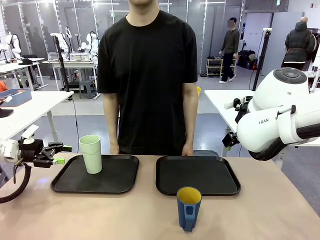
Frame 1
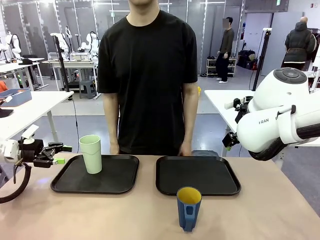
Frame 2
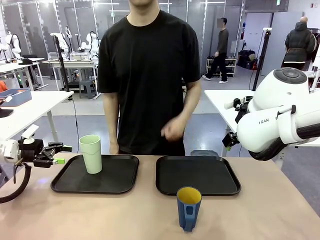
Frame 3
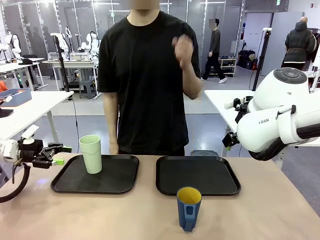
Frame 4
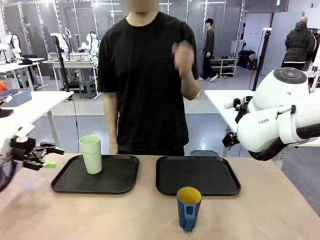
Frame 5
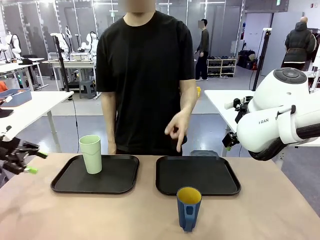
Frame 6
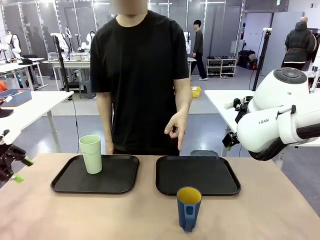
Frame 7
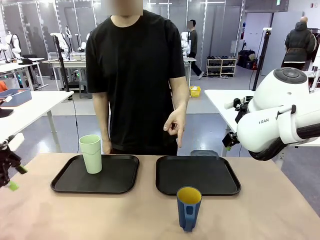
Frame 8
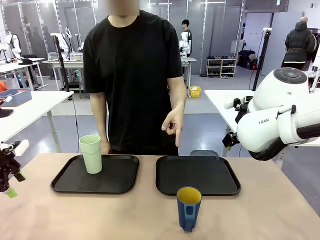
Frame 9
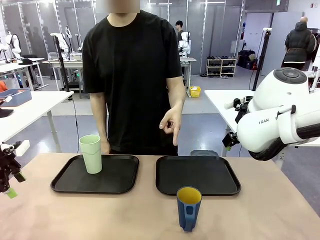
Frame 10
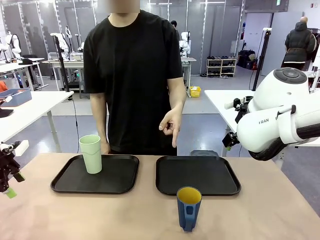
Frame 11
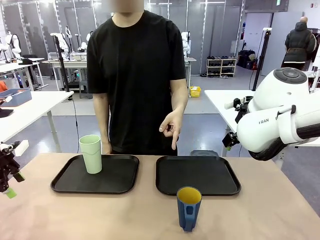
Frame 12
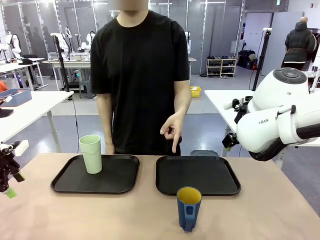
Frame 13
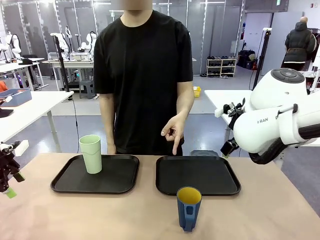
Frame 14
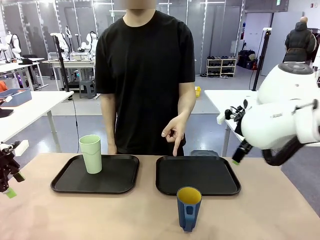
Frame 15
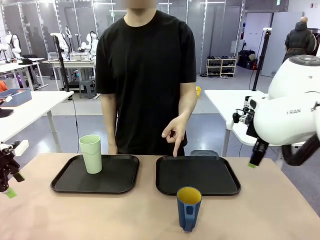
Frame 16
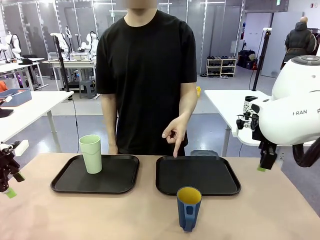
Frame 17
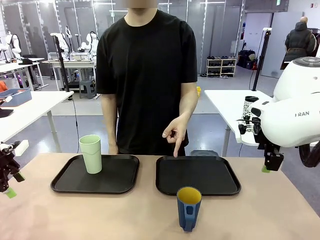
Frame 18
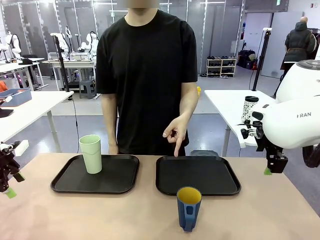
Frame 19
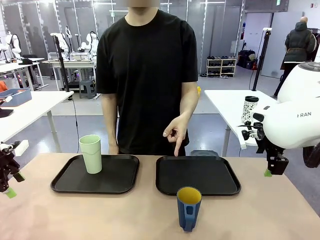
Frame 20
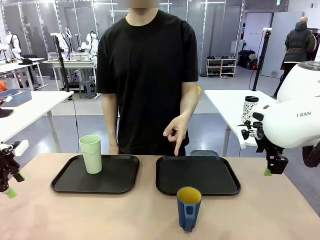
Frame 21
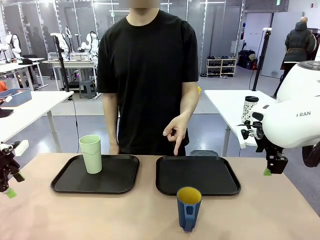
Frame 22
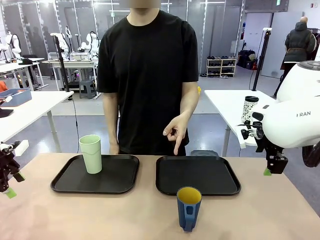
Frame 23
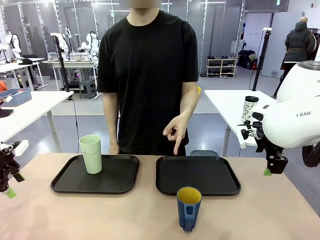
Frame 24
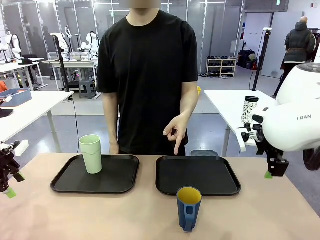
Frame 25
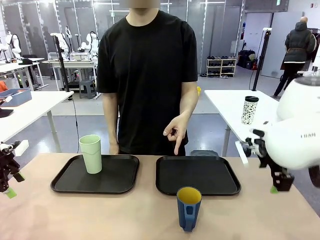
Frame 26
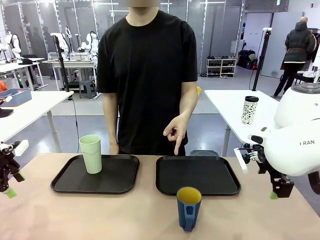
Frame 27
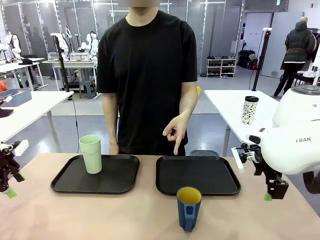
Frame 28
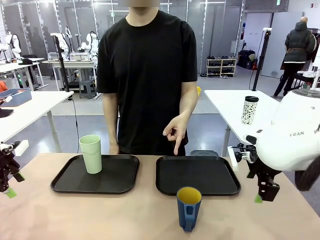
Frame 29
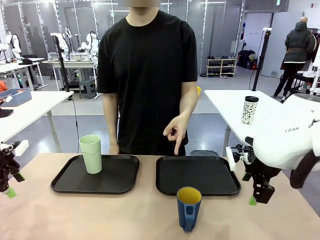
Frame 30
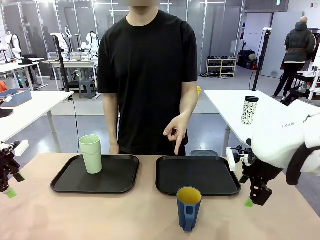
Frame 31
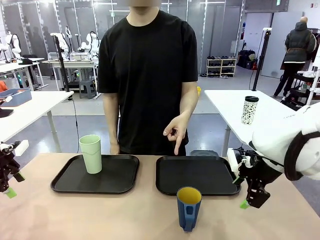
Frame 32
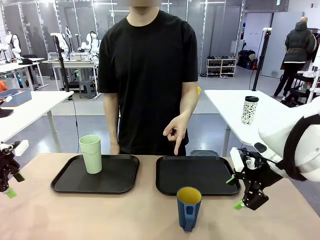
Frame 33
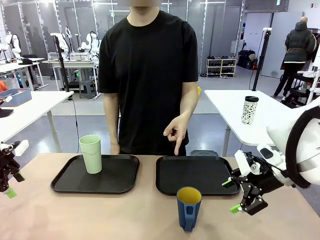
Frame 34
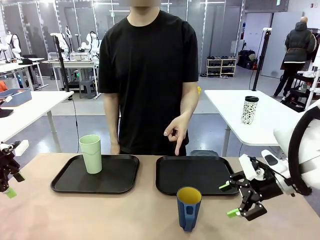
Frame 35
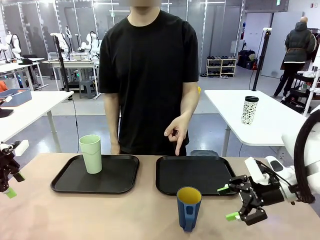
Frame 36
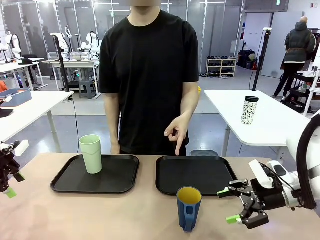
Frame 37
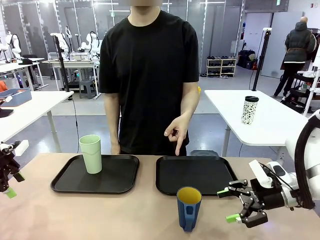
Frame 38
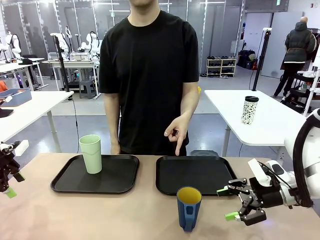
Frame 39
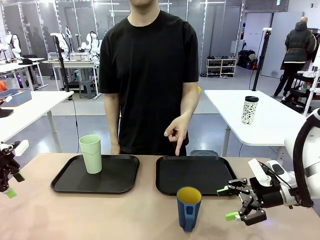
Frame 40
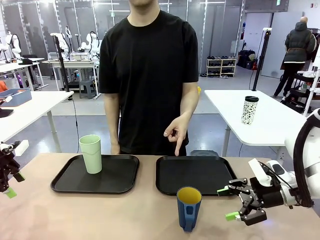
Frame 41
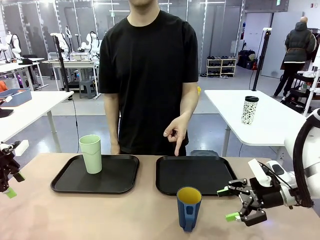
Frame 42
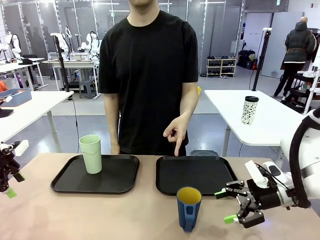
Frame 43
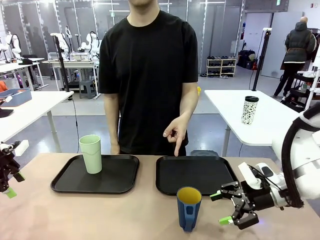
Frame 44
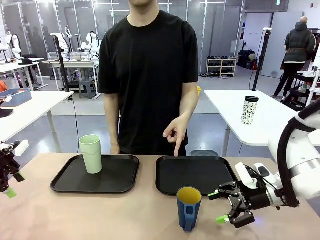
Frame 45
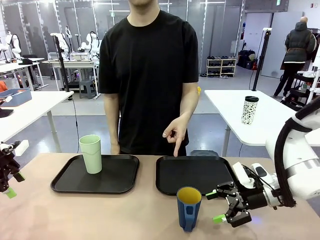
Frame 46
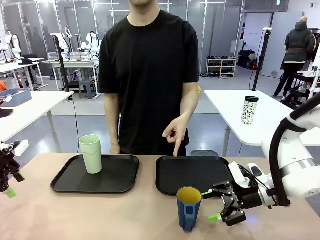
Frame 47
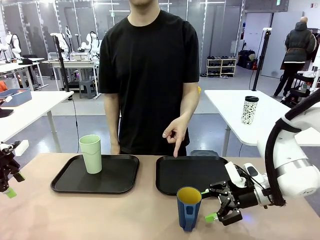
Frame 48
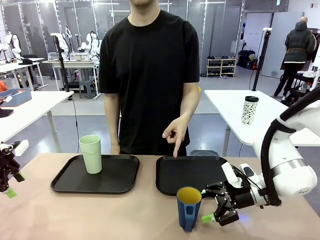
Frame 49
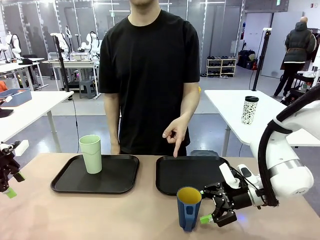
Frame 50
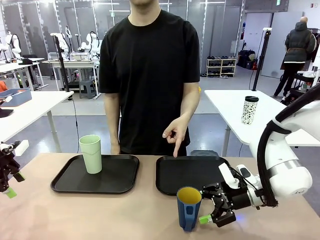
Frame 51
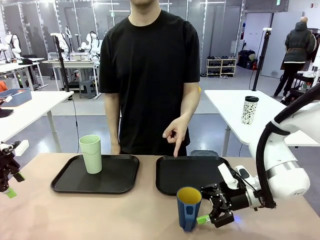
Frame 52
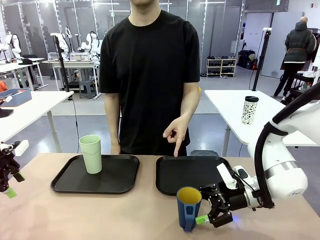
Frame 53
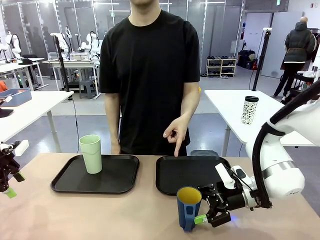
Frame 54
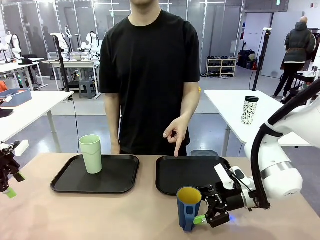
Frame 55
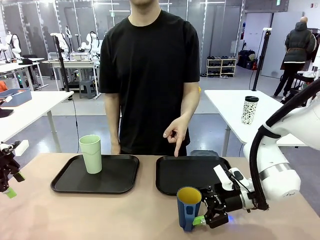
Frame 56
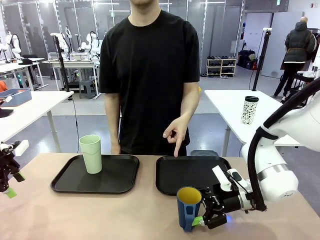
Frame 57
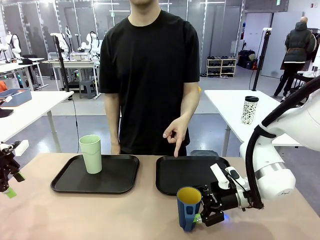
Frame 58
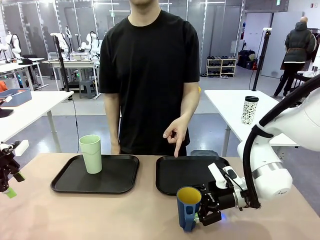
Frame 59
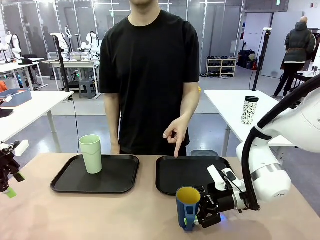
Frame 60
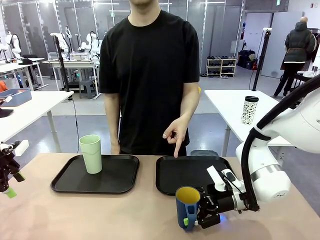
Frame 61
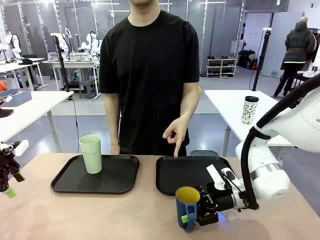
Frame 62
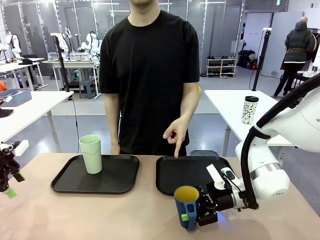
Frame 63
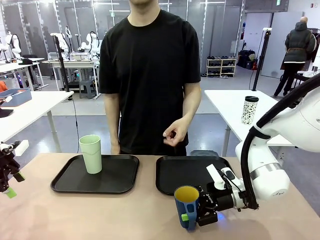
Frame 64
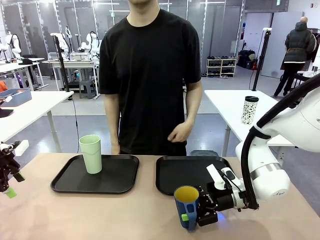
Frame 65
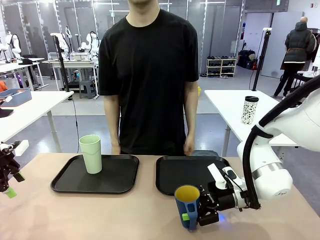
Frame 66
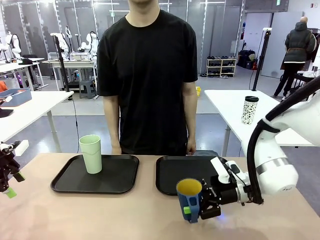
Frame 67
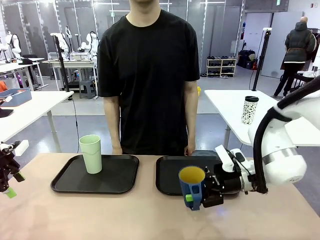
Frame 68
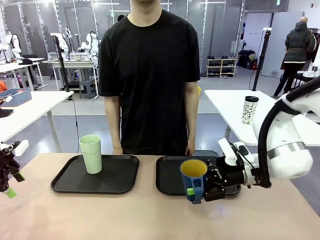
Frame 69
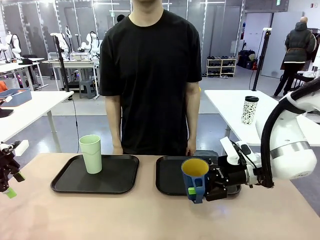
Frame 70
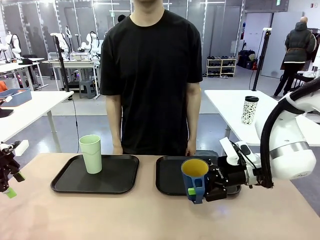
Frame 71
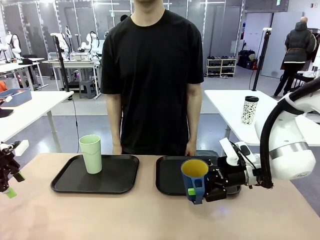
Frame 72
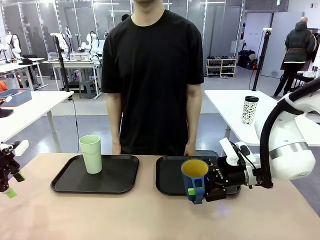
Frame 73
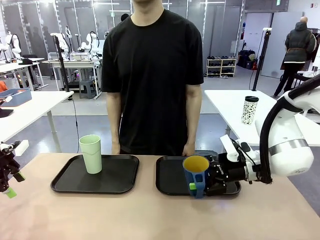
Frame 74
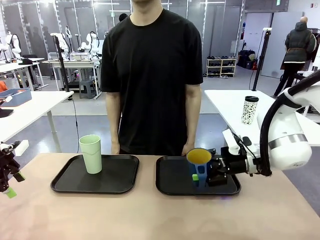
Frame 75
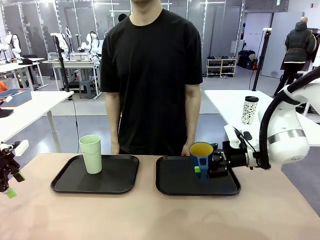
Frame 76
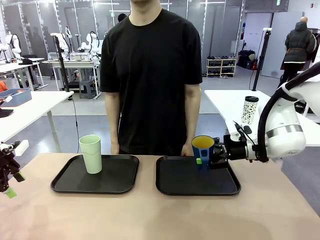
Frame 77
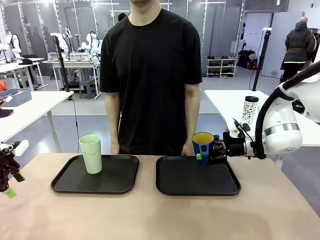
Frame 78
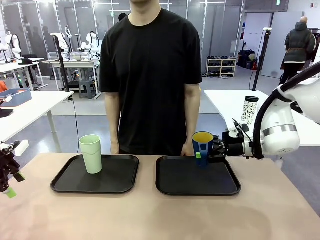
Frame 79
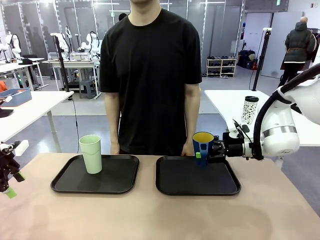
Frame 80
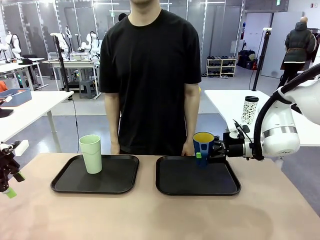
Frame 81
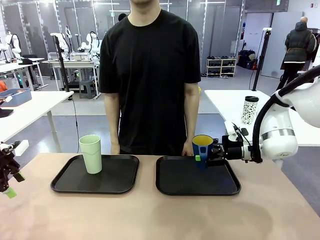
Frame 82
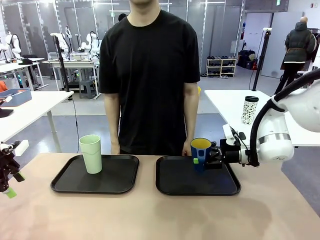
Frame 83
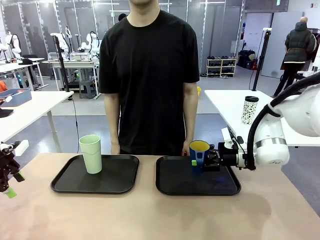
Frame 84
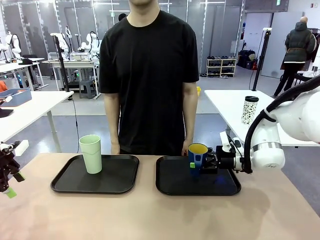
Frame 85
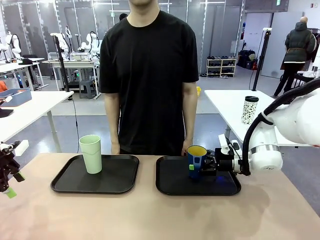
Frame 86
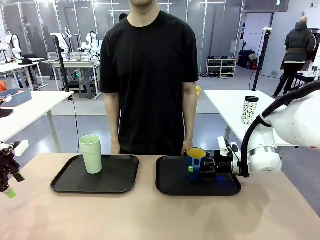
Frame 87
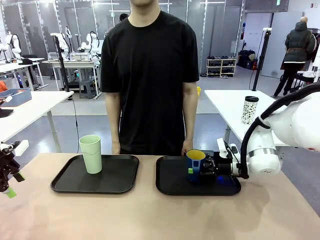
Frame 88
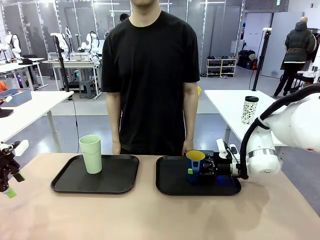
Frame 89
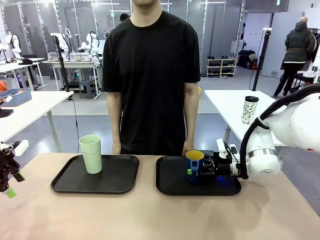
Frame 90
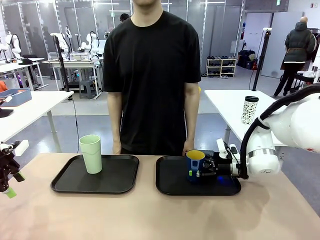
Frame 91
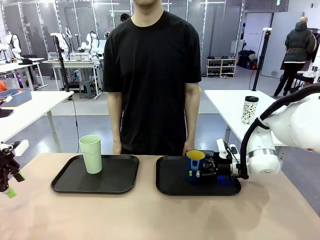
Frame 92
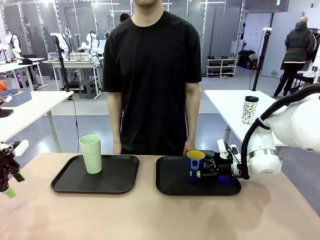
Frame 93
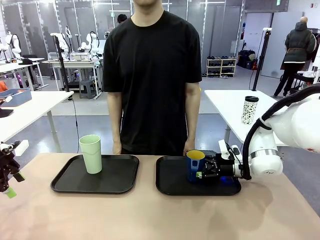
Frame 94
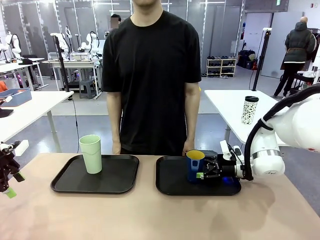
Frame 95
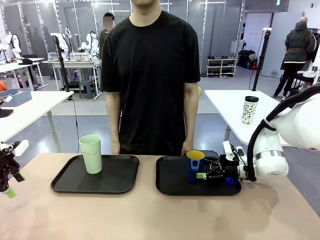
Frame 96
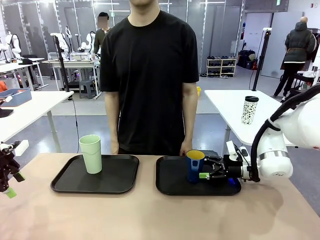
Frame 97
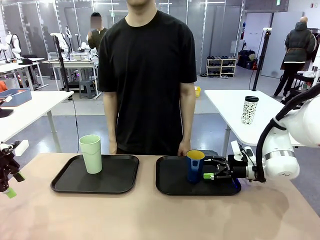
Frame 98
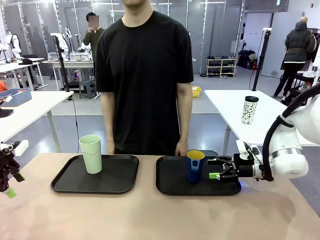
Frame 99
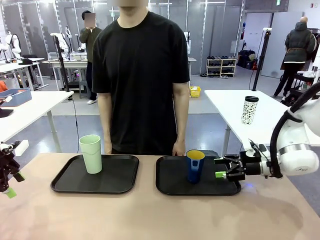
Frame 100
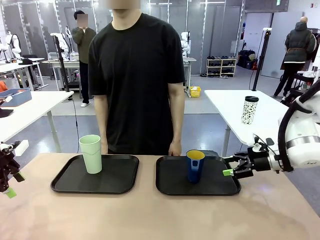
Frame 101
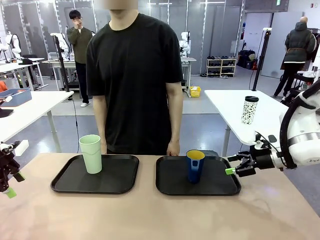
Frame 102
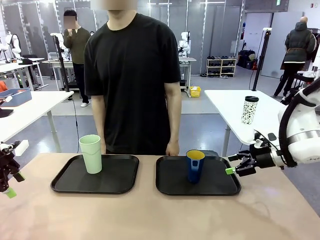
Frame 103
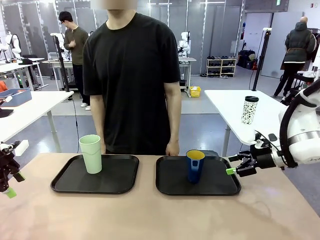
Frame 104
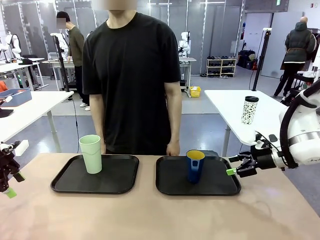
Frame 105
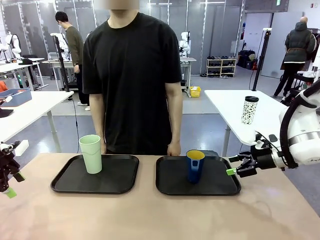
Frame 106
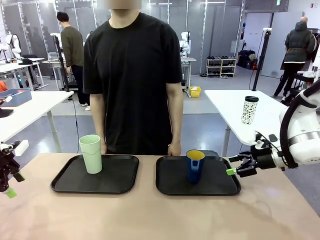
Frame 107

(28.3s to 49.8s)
Task: Sort and store the cups by type.
Robot: Pick up the Handle plastic cup and place it into the empty Flat Tray.
Person: Points to the cup with a handle.
